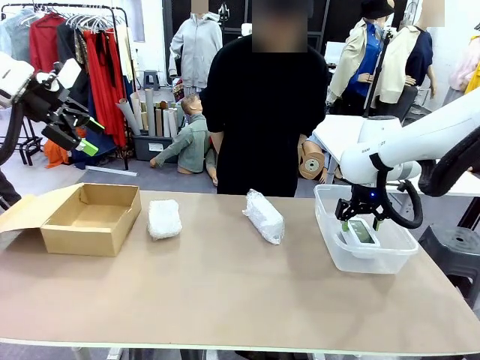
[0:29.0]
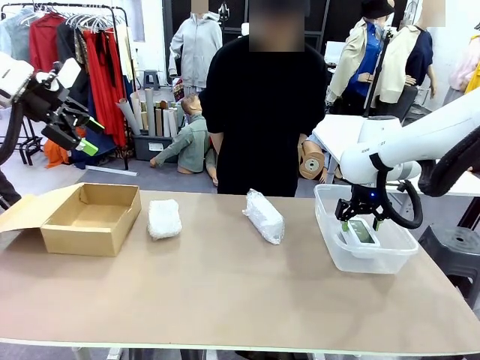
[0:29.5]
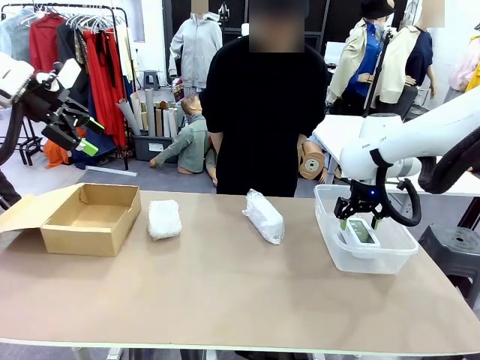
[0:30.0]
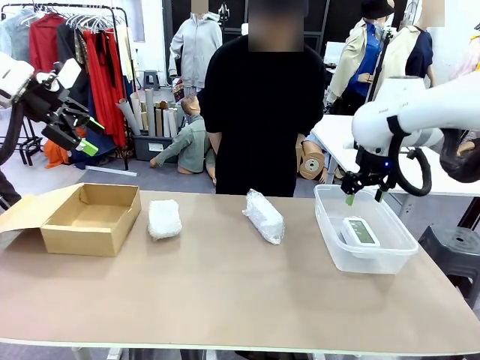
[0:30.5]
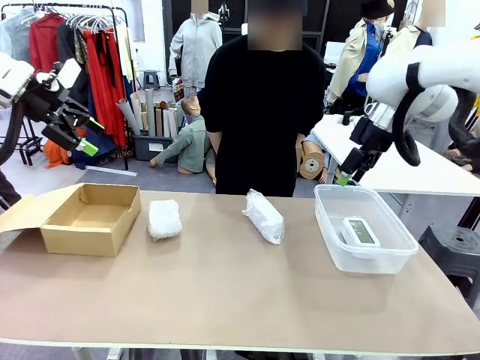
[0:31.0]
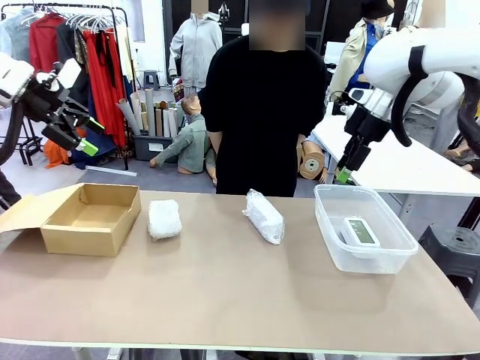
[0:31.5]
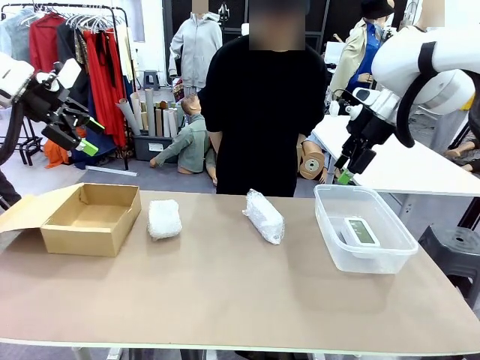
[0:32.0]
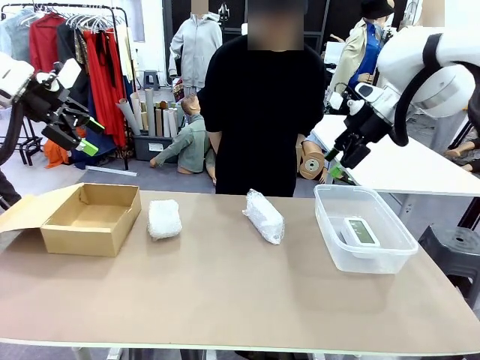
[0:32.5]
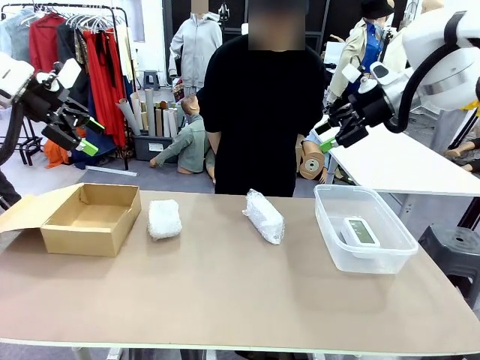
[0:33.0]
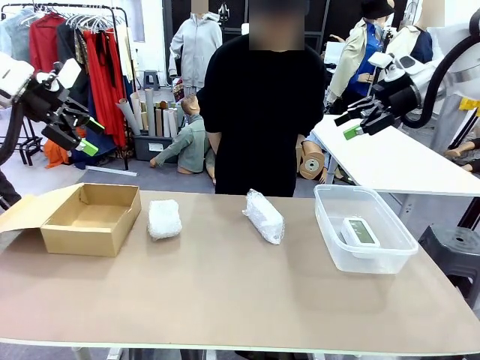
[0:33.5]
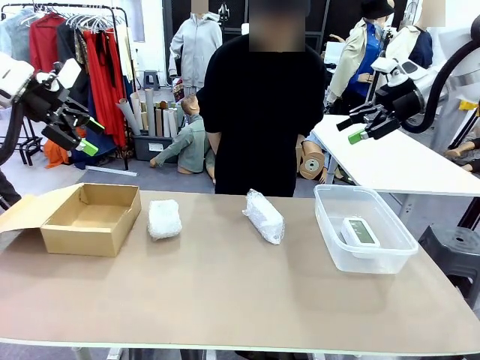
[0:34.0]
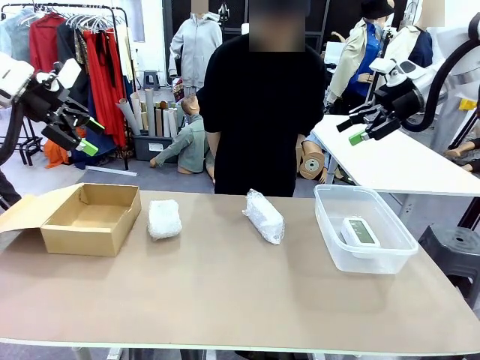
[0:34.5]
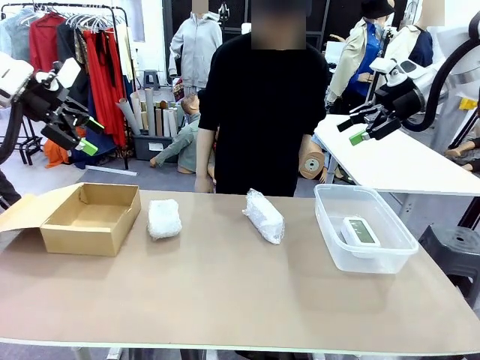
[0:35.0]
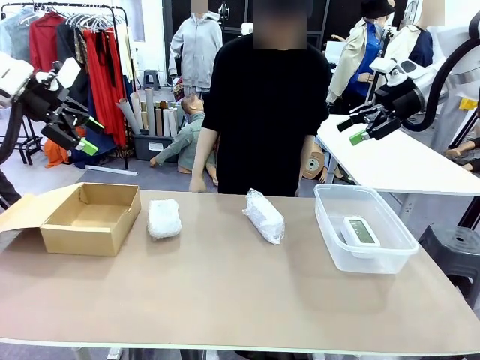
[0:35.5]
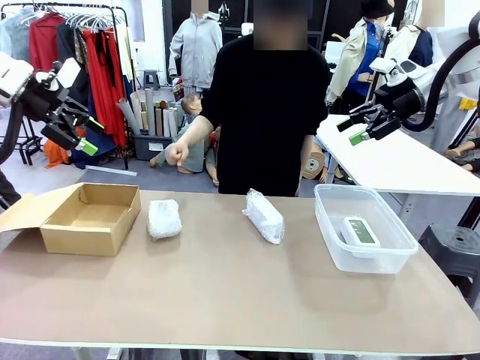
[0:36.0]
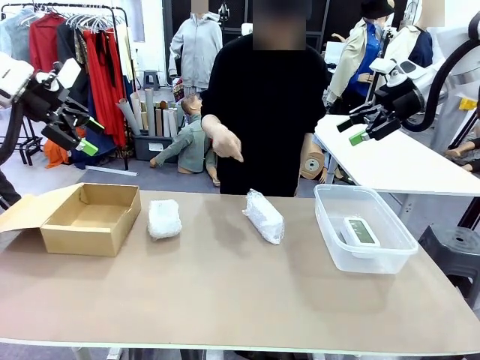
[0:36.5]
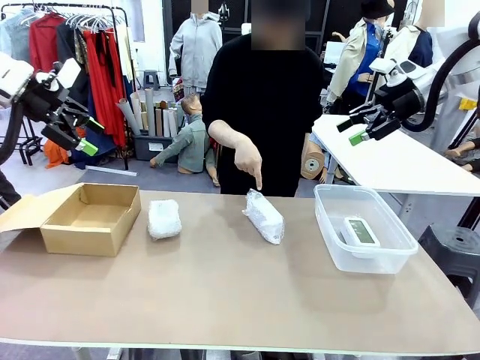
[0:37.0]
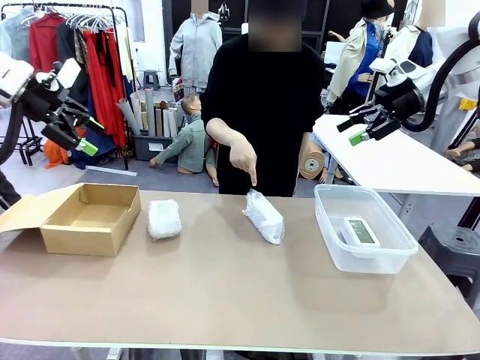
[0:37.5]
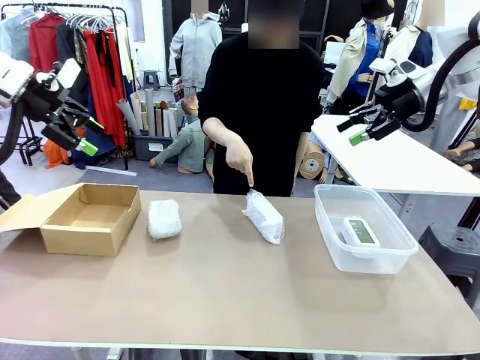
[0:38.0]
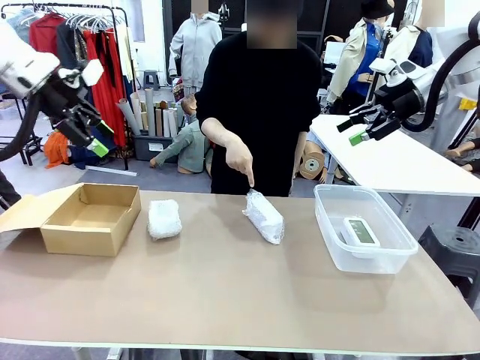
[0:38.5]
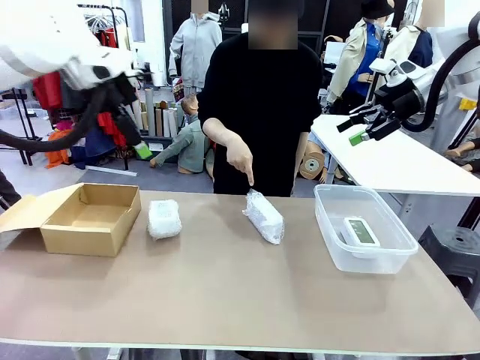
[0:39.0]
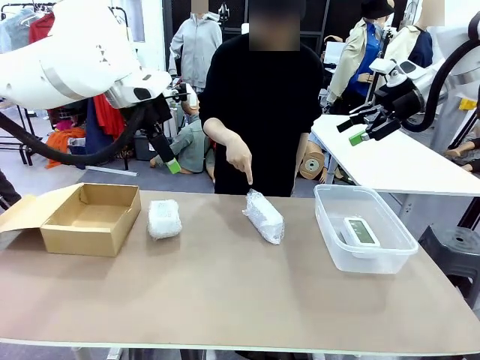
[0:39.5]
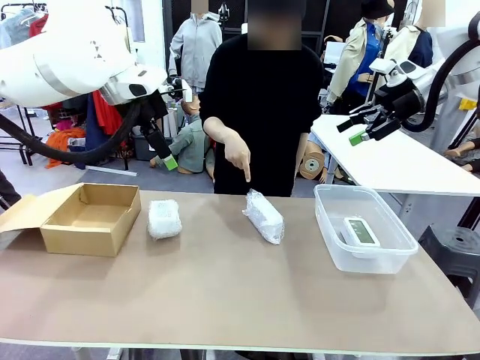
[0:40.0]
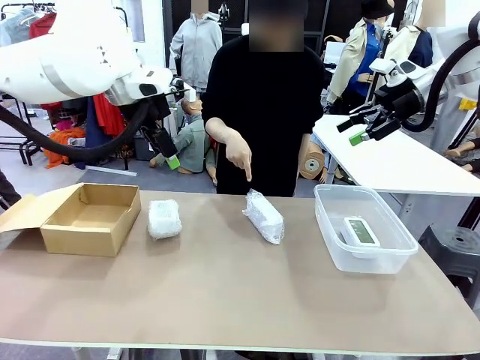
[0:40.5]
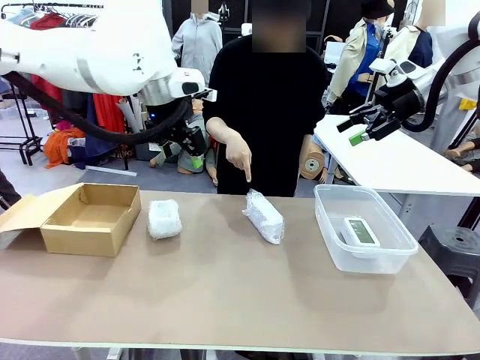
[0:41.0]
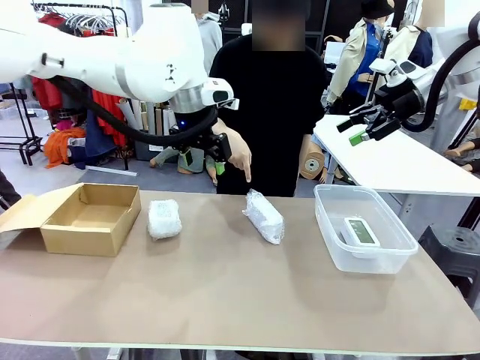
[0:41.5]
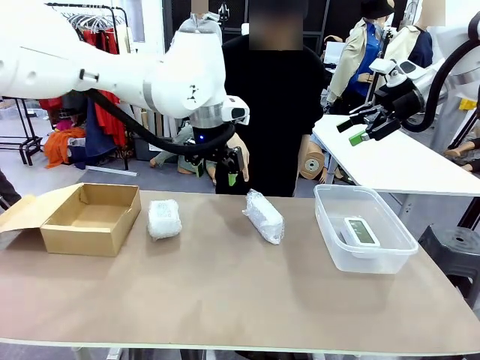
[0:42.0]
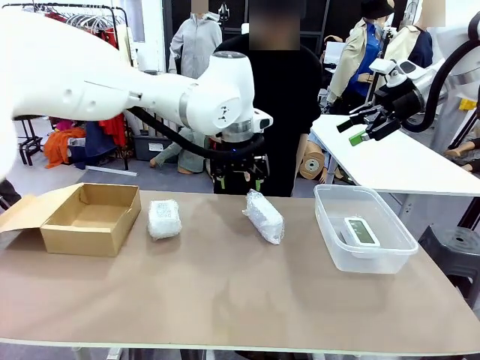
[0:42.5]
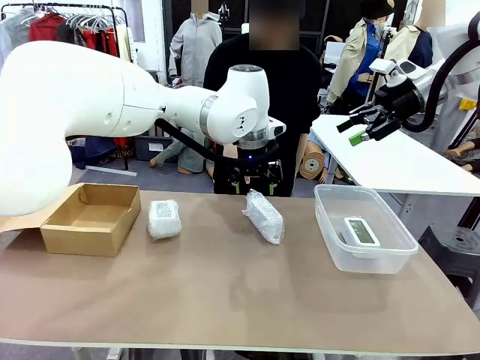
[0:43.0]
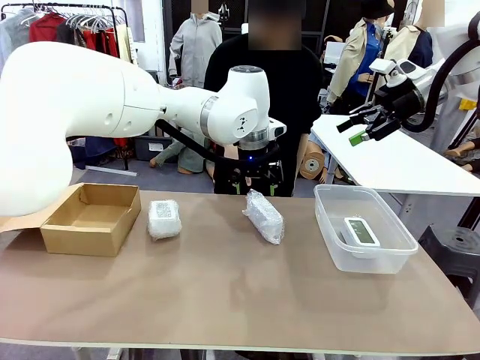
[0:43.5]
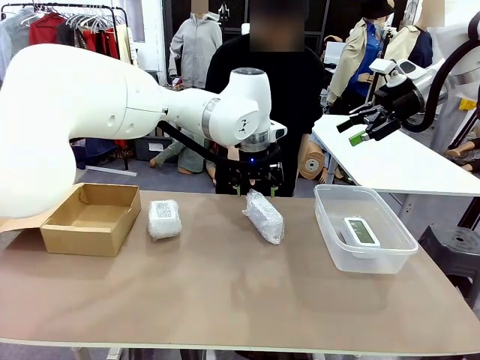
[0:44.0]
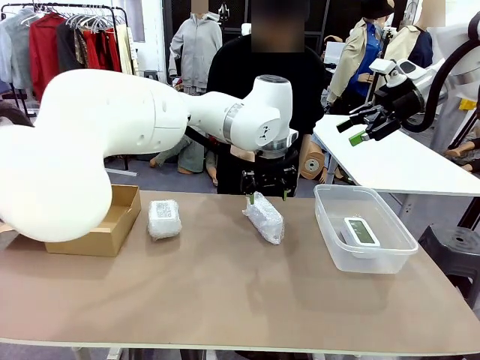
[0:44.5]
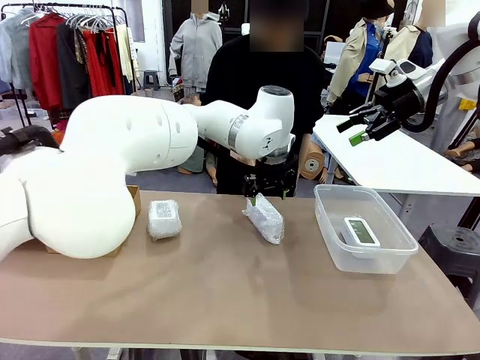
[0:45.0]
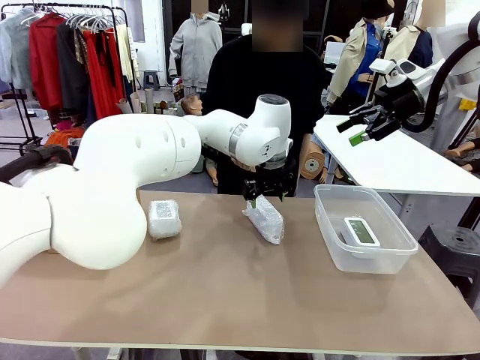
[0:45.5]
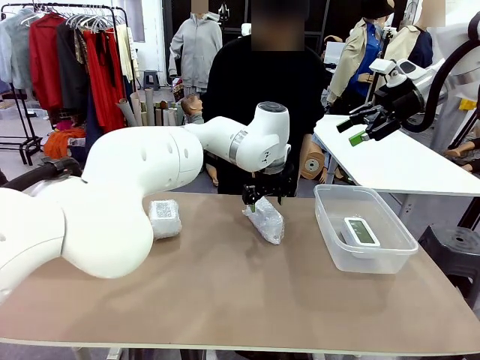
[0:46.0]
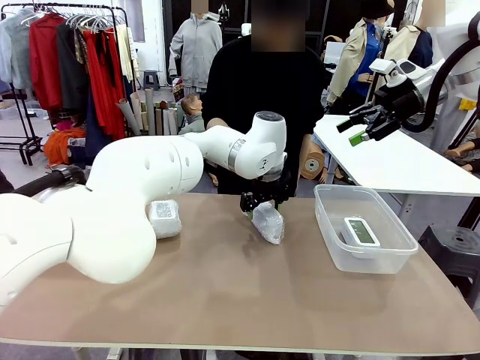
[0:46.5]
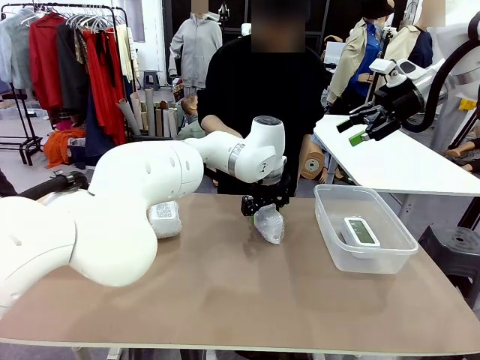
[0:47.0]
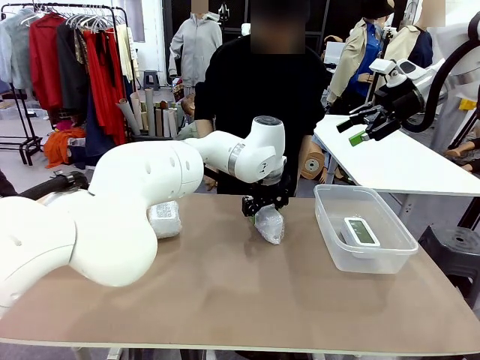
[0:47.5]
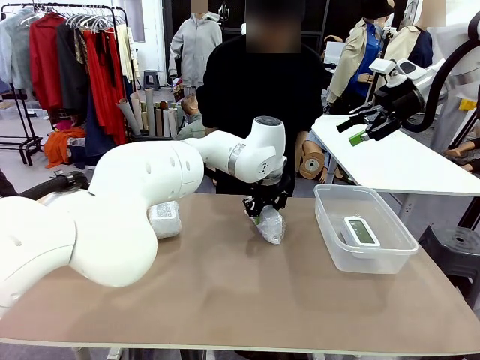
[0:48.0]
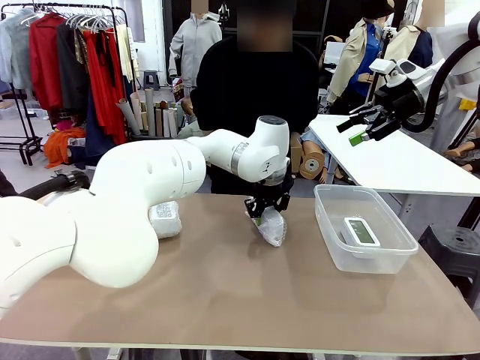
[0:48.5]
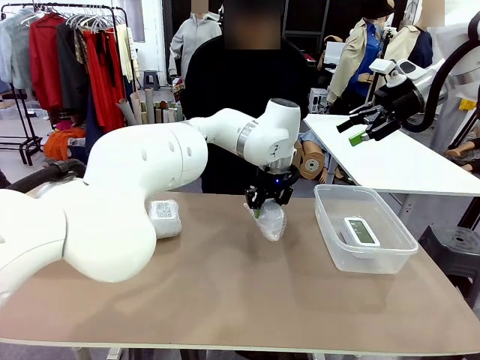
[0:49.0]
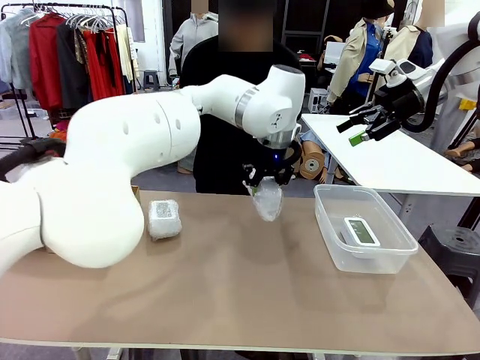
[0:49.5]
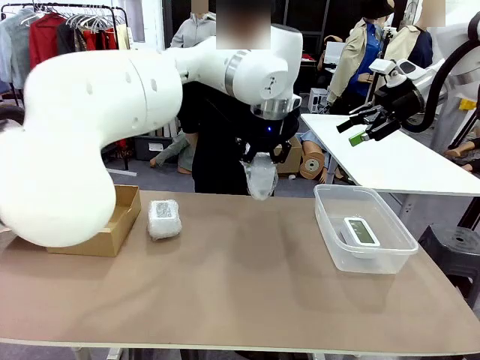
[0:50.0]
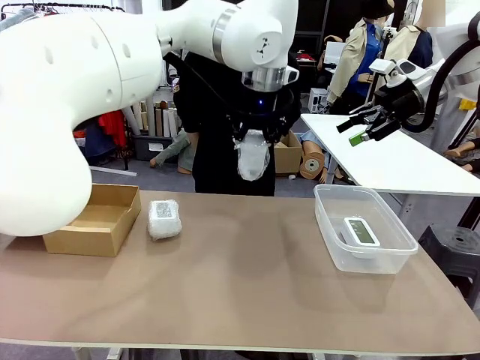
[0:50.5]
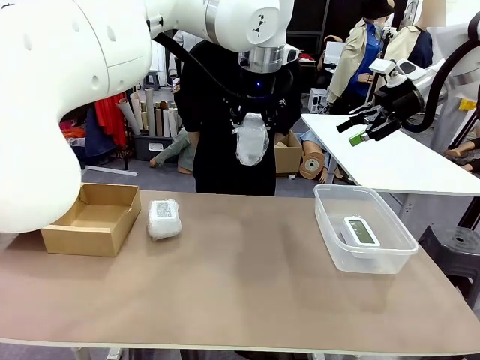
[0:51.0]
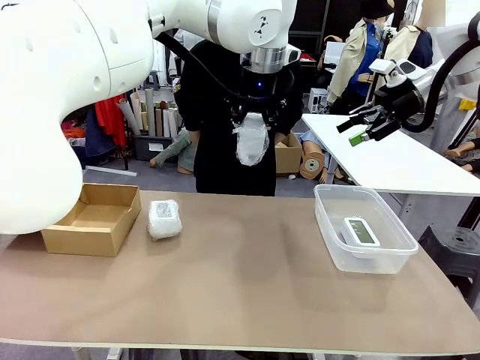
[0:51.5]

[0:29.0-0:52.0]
Task: Separate and place wrapped and unwrapped clocks.
Robot: Pick up the Digital clock indicated by the person.
